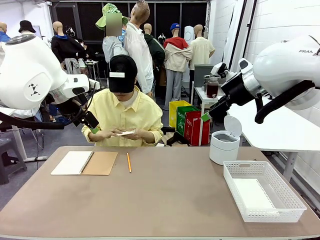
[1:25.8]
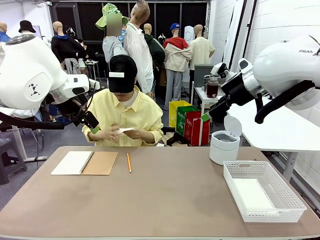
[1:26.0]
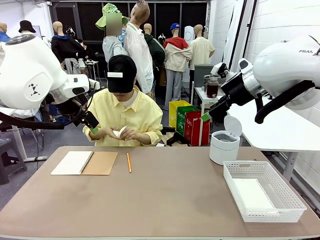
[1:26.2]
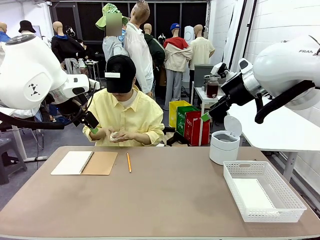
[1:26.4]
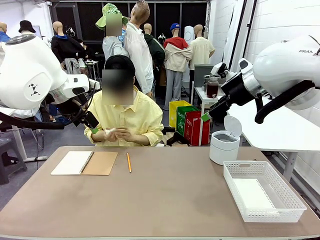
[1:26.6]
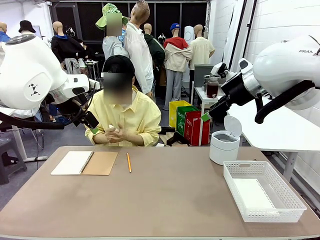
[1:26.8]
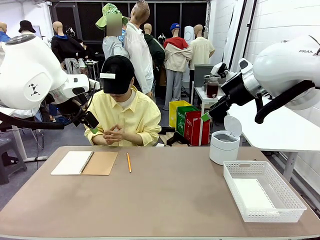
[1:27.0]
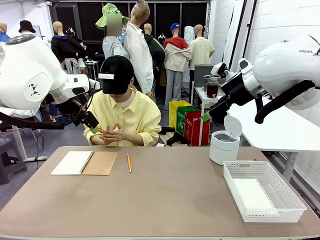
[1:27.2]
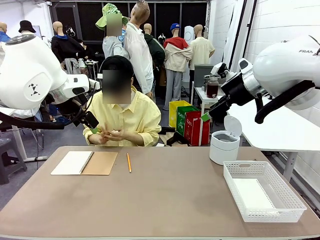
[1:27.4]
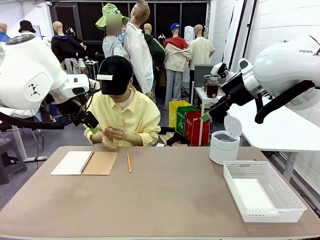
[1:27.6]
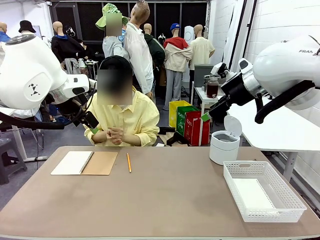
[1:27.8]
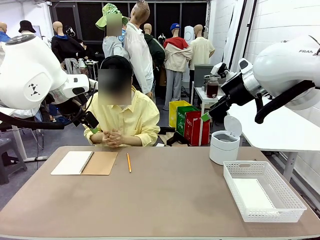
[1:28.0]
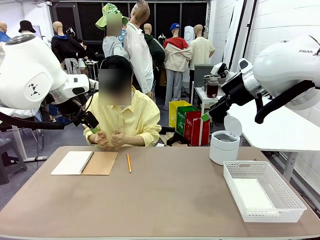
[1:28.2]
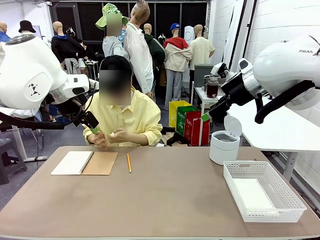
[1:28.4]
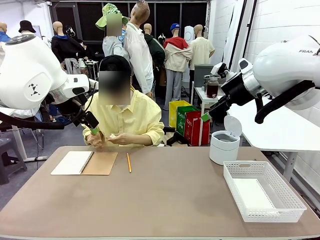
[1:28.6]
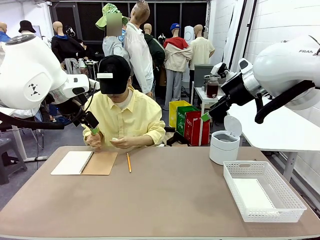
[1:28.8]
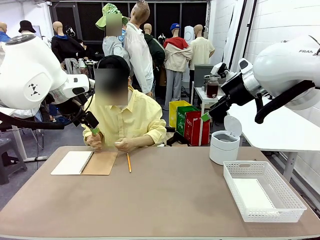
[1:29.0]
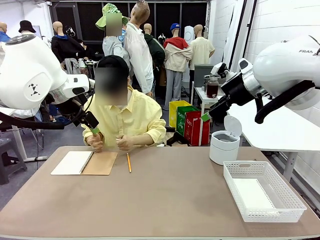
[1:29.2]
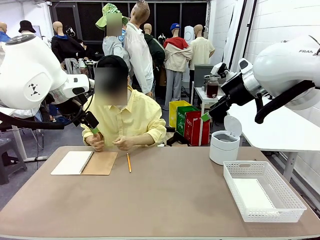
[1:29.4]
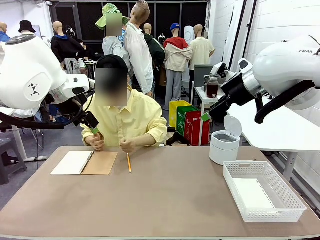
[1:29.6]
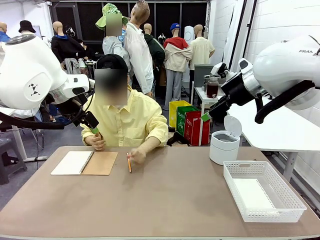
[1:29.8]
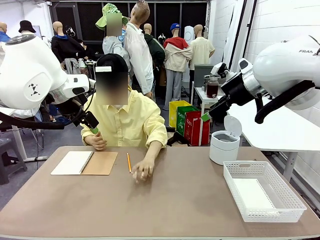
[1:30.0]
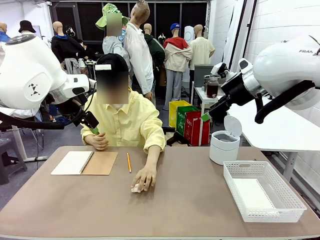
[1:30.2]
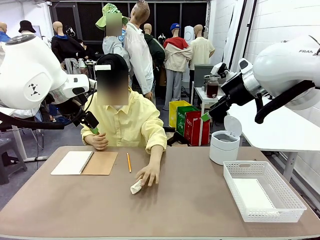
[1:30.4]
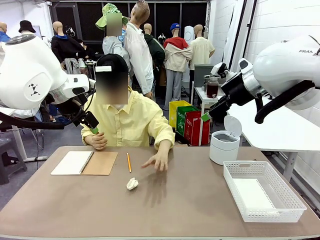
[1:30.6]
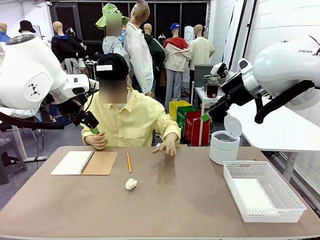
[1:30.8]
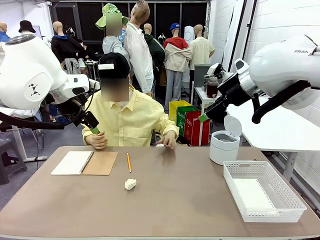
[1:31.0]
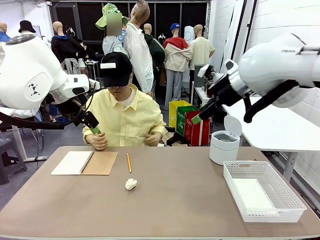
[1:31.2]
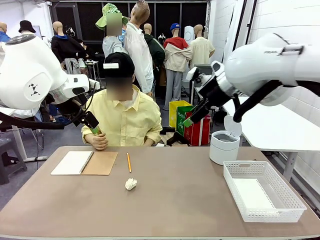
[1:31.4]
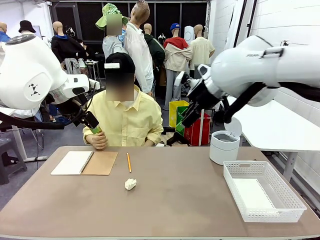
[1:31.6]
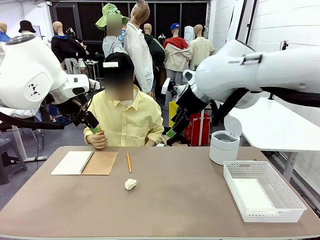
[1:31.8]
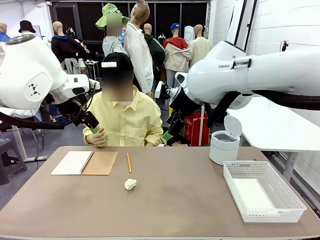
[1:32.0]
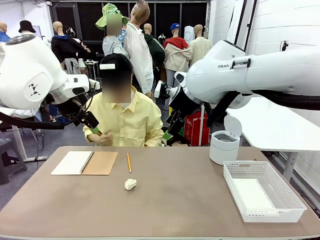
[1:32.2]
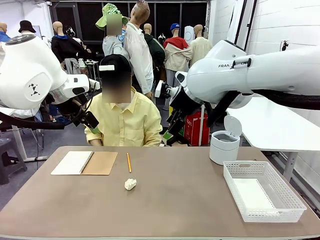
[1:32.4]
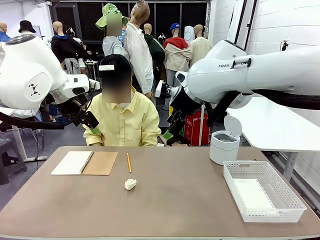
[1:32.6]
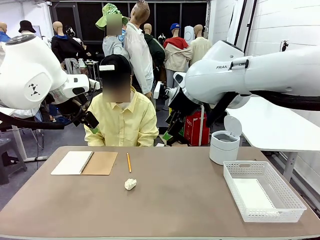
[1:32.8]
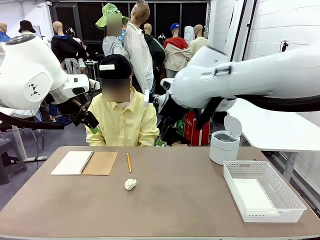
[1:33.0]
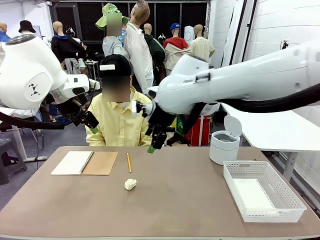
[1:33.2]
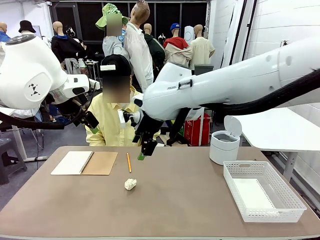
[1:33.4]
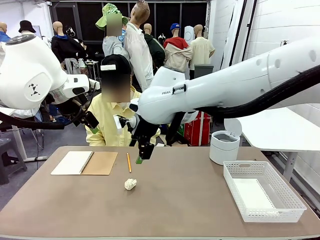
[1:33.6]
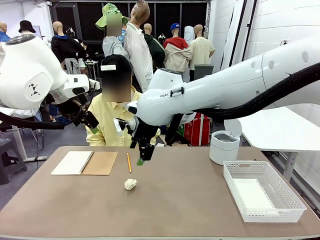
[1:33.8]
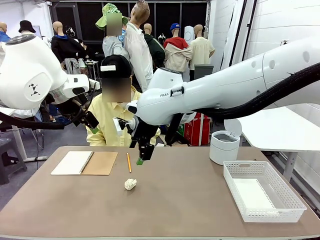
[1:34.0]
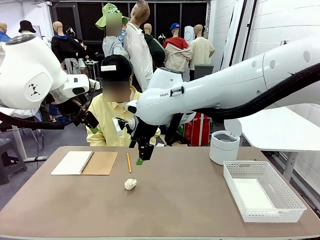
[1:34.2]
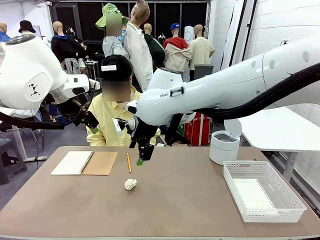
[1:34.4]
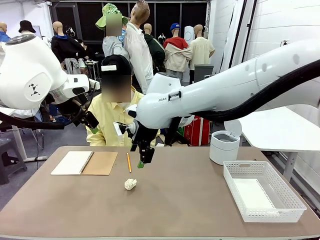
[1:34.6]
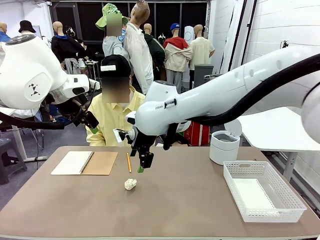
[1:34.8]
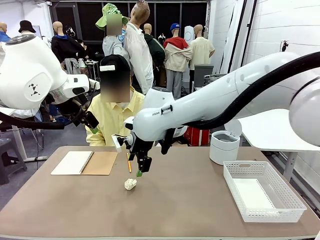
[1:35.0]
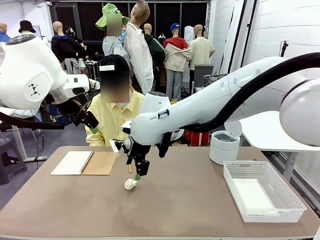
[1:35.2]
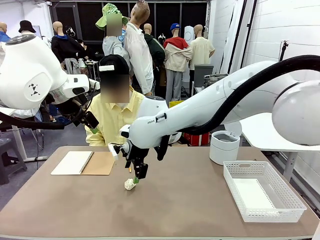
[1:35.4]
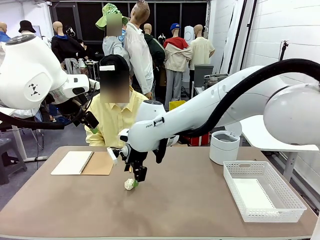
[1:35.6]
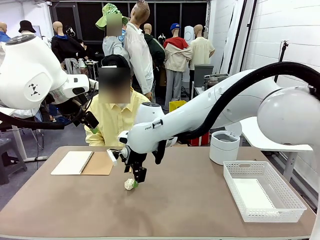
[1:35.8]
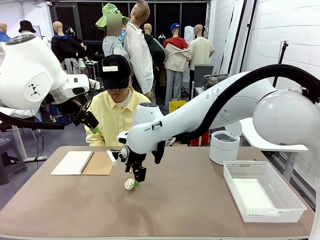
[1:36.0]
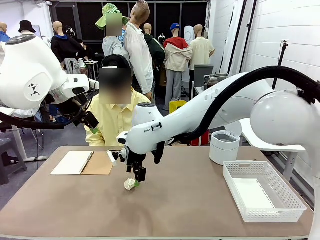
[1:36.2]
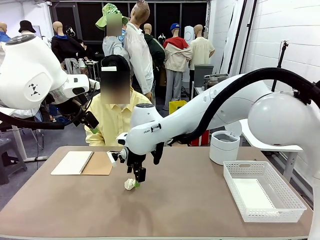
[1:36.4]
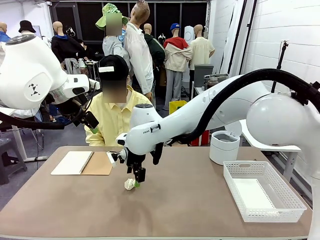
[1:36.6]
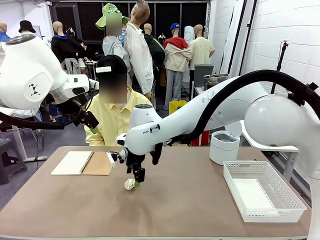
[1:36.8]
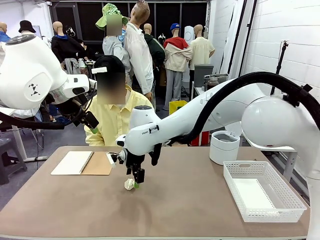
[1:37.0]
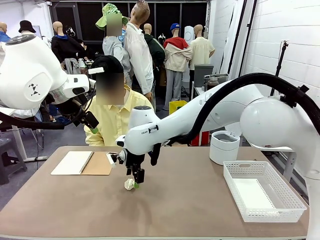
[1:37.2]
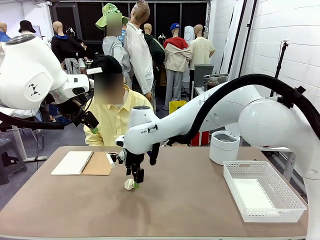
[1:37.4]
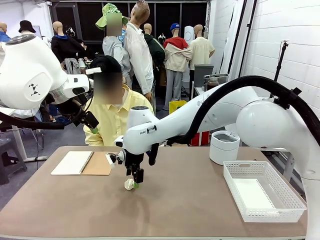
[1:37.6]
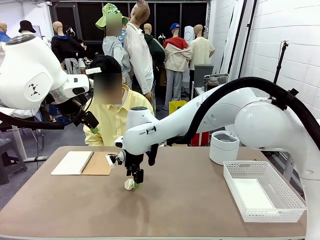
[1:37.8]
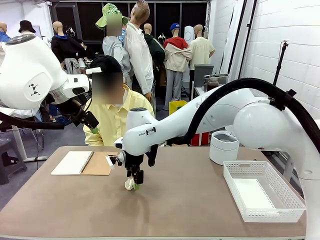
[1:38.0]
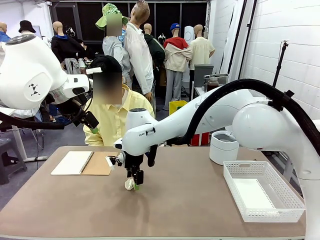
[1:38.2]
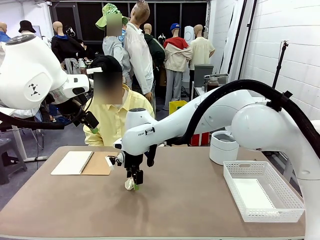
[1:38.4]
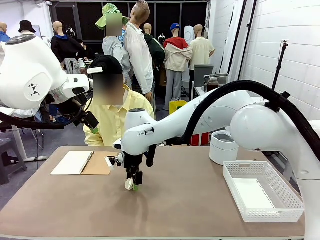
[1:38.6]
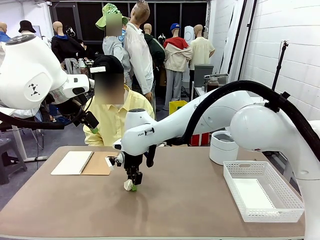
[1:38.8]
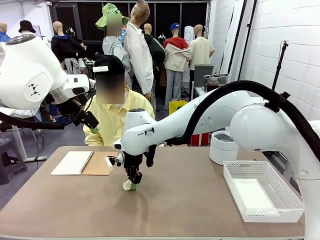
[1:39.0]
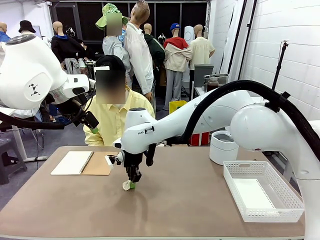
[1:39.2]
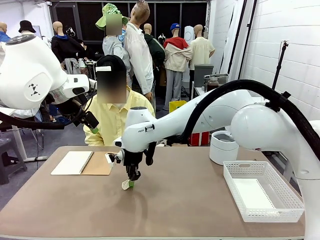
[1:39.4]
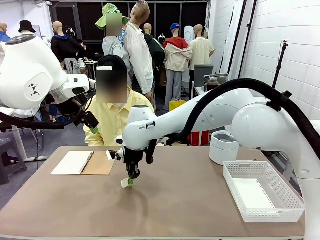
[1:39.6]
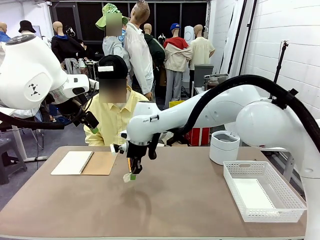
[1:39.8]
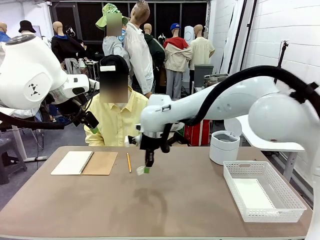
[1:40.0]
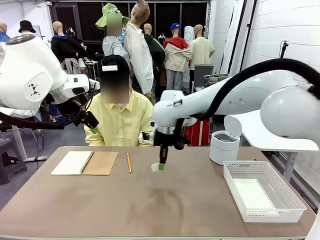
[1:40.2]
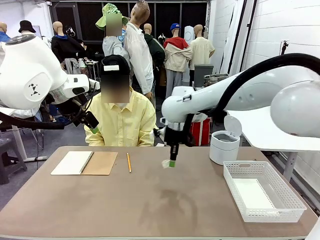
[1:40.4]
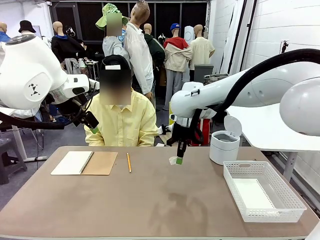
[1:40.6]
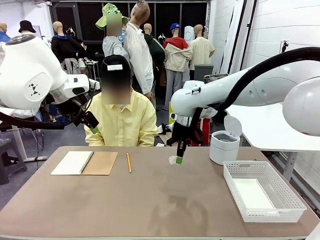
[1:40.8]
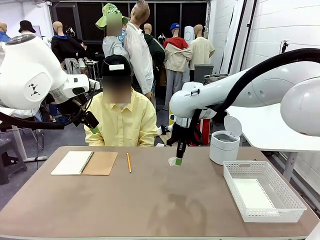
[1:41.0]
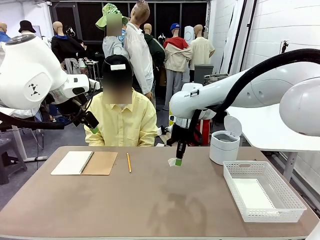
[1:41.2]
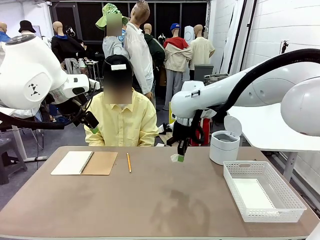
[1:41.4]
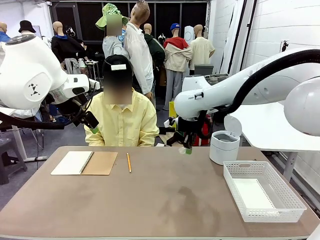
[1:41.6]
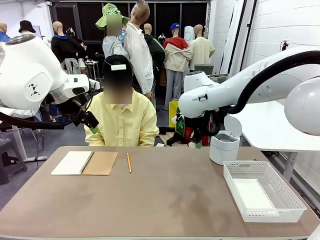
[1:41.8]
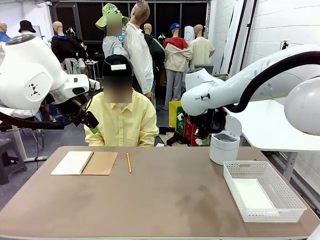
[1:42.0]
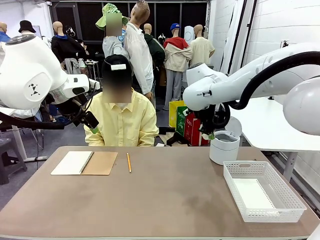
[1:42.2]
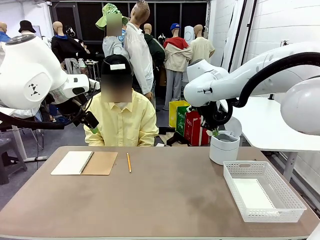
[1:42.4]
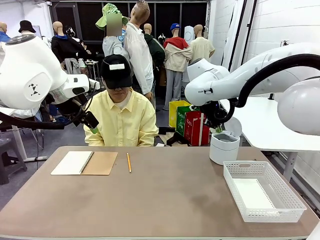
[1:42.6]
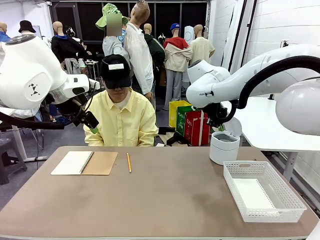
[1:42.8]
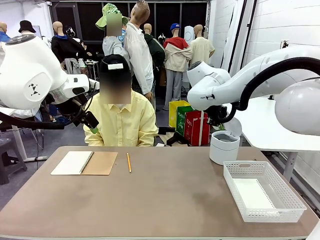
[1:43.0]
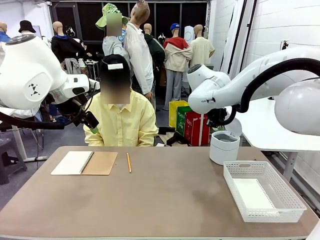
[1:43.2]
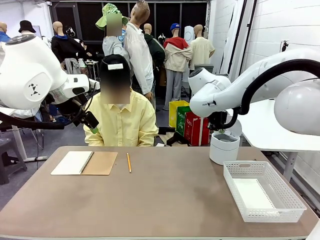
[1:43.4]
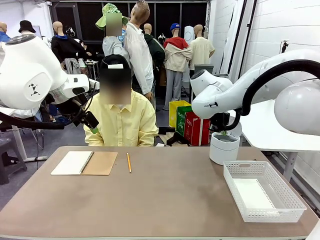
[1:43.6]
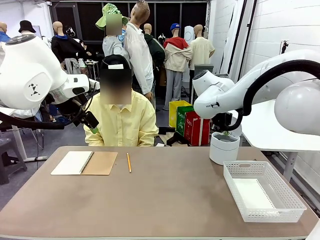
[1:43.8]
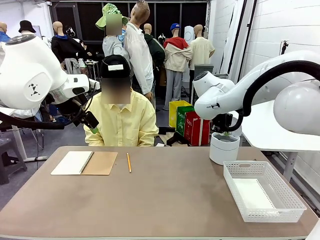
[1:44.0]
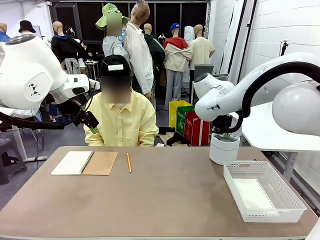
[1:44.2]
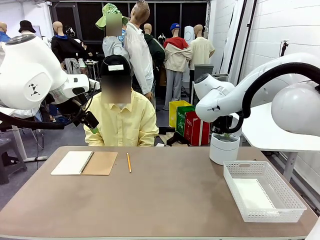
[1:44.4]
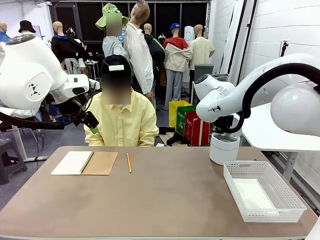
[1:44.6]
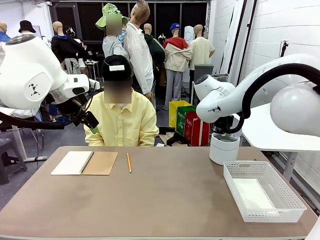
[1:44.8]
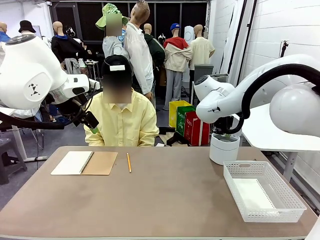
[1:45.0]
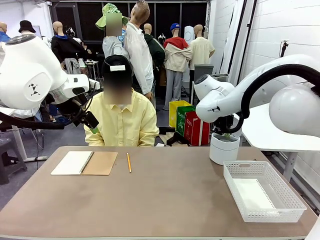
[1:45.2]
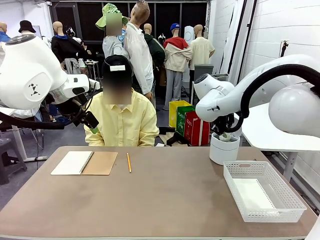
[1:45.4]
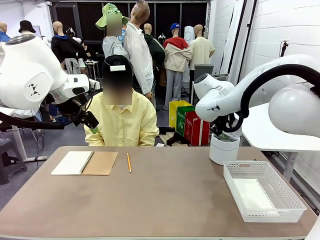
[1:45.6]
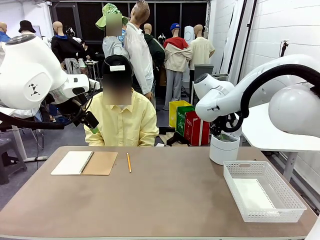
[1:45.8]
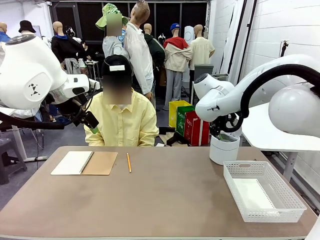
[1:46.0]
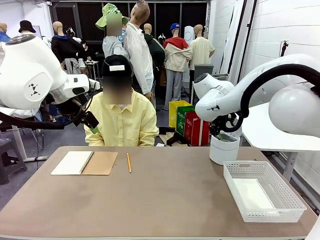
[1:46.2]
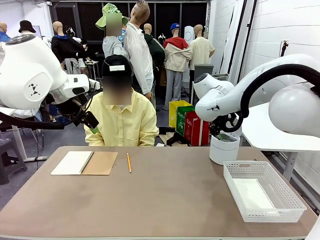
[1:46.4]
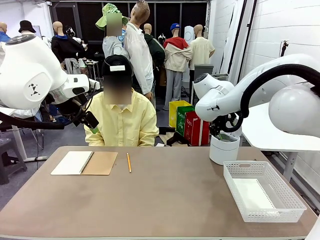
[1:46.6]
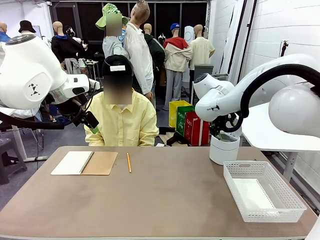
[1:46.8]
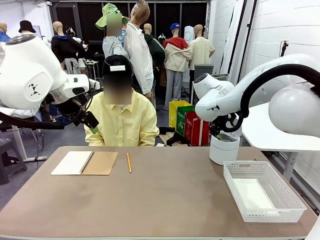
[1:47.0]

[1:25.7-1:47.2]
Task: Sort the paper based on its condition.
Robot: If a person hands you a paper, place it in the Organizing basket , and if it's crumpled, put it in the Trash can.
Person: Hand the torn page to the robot or crumple it and throw it to the center of the table.
